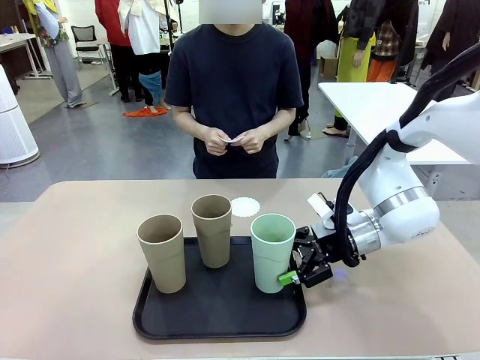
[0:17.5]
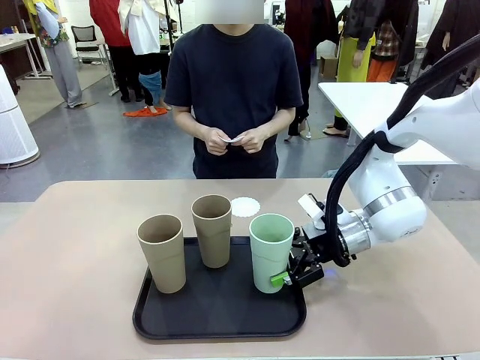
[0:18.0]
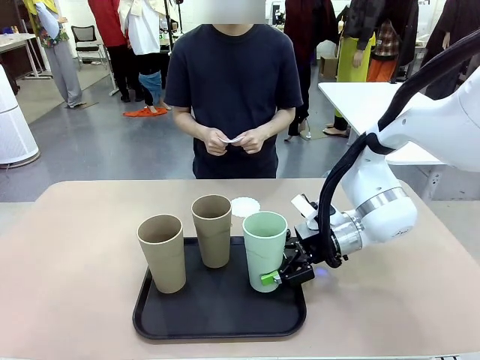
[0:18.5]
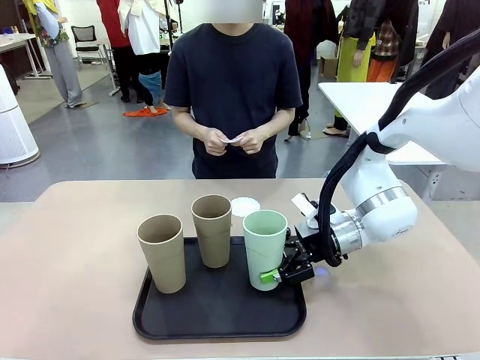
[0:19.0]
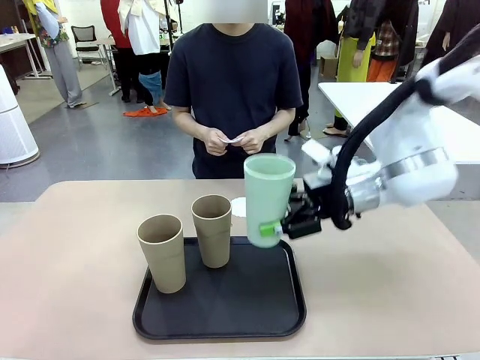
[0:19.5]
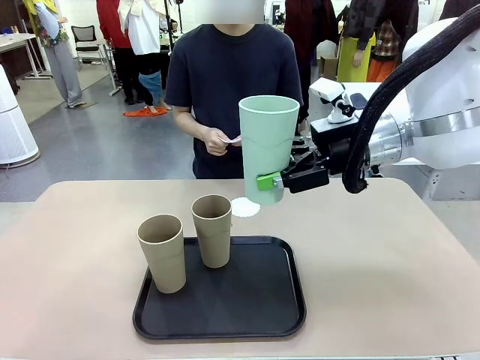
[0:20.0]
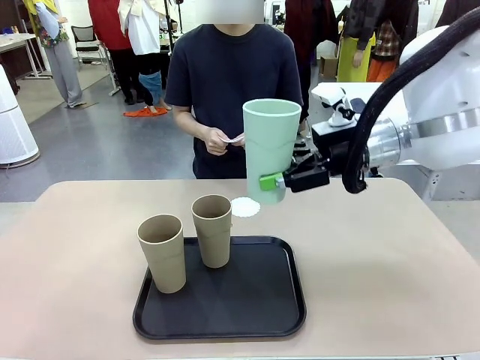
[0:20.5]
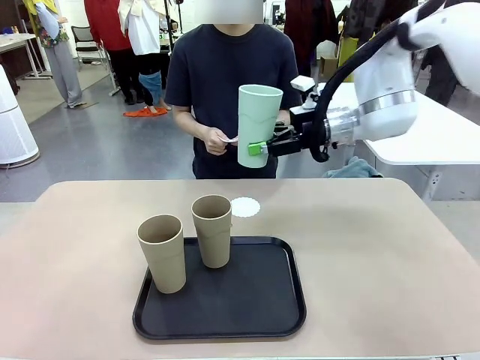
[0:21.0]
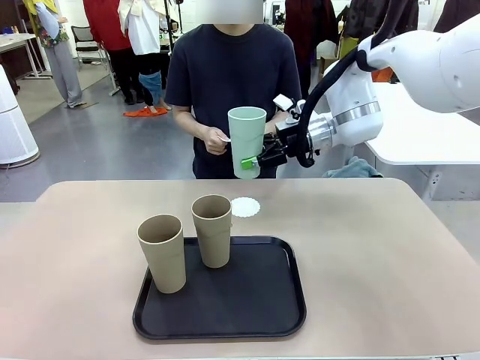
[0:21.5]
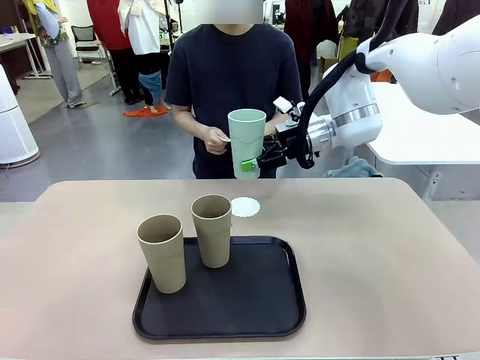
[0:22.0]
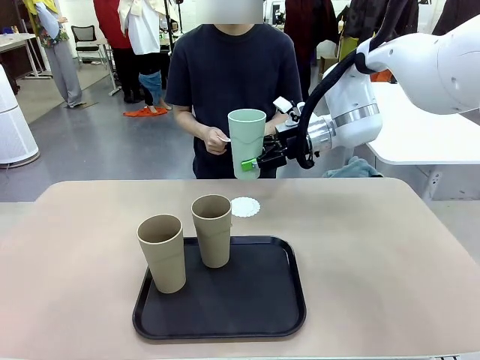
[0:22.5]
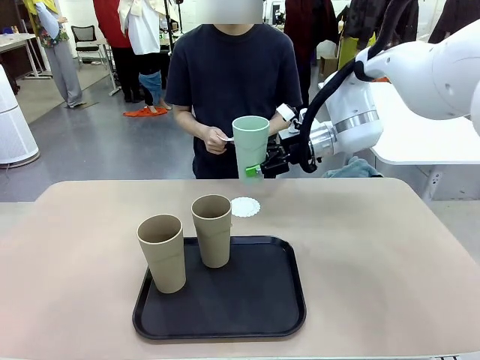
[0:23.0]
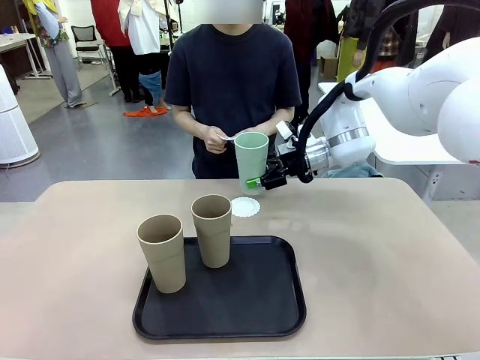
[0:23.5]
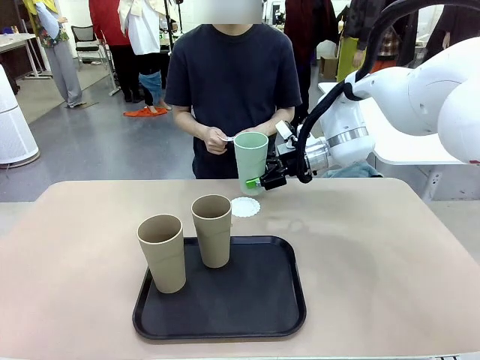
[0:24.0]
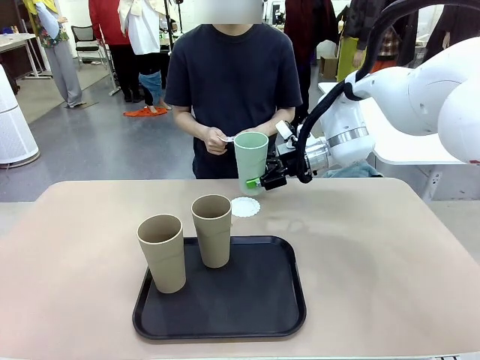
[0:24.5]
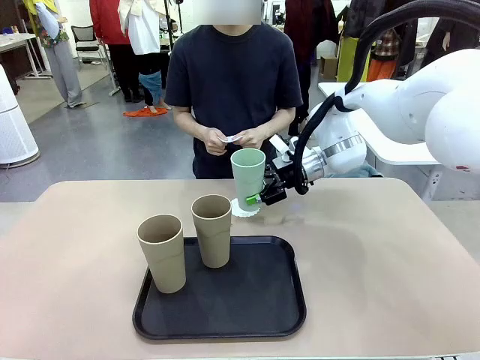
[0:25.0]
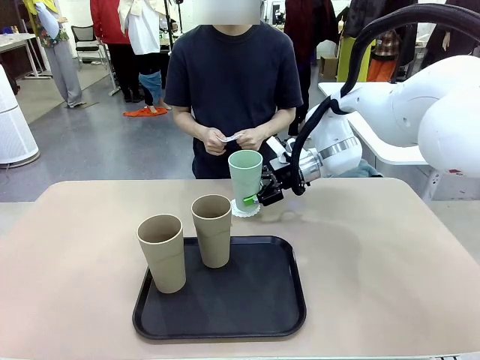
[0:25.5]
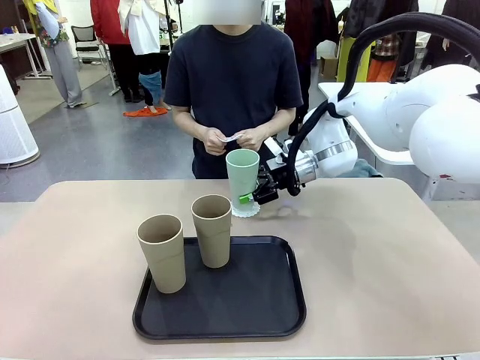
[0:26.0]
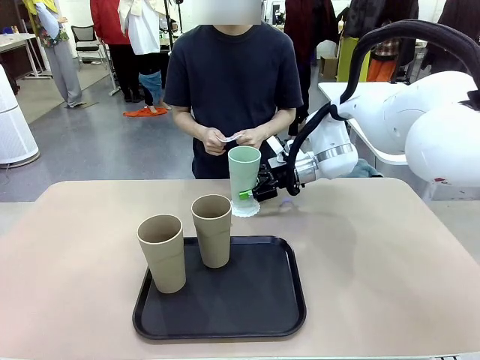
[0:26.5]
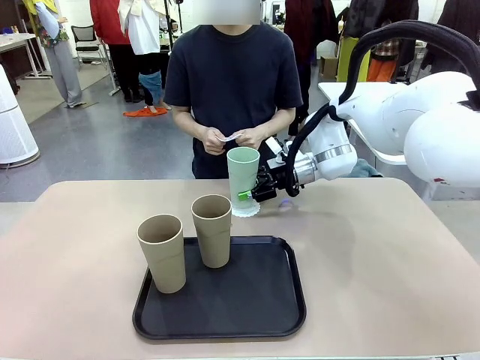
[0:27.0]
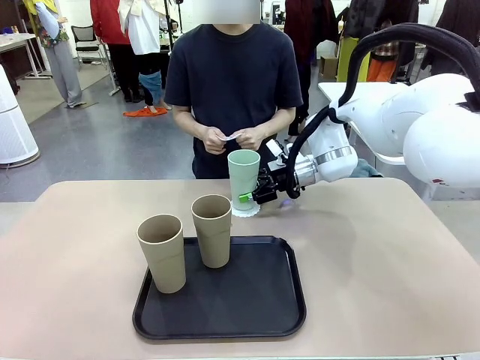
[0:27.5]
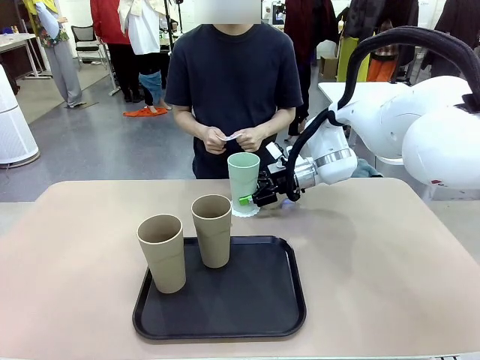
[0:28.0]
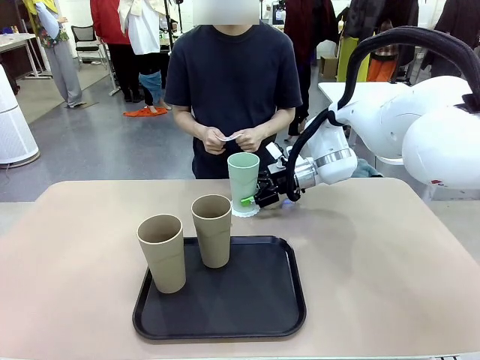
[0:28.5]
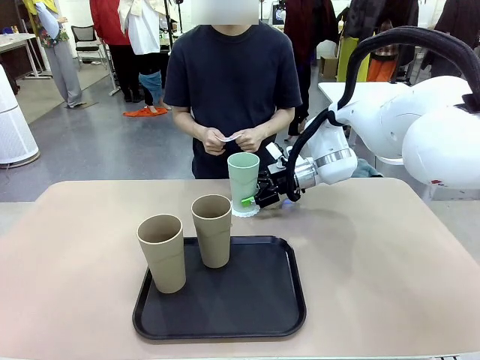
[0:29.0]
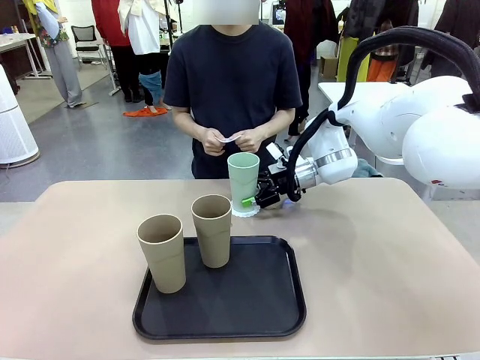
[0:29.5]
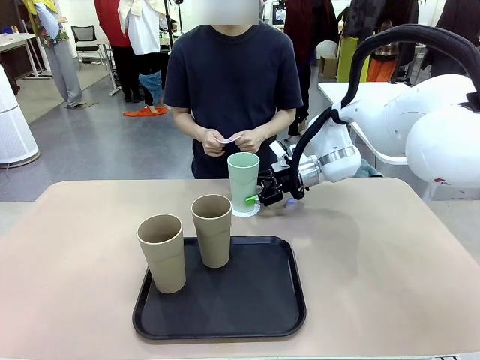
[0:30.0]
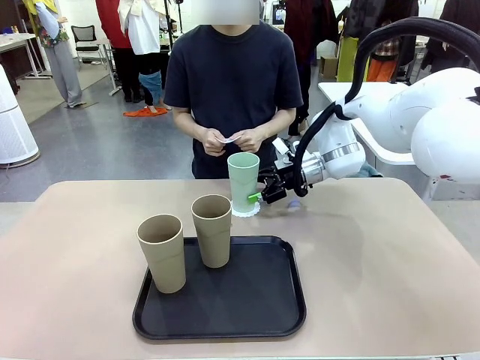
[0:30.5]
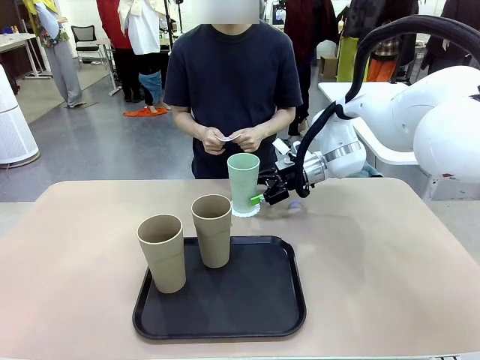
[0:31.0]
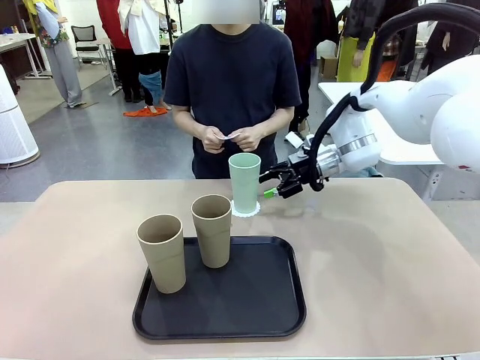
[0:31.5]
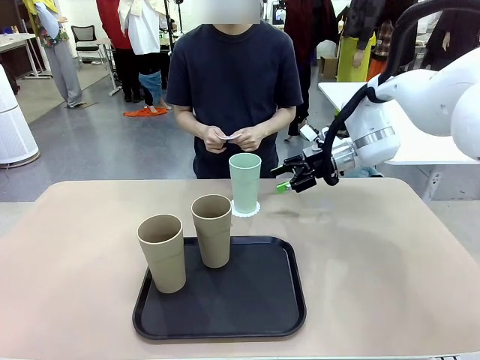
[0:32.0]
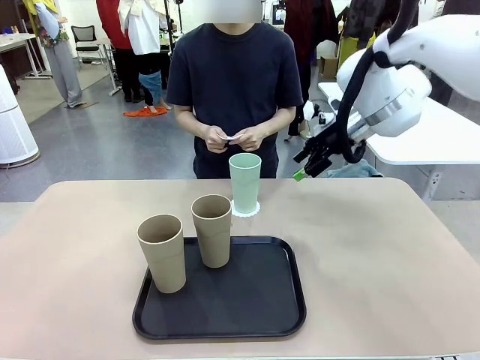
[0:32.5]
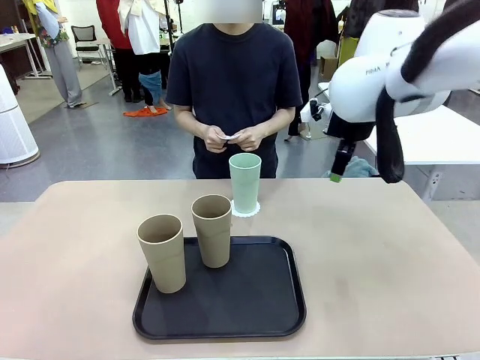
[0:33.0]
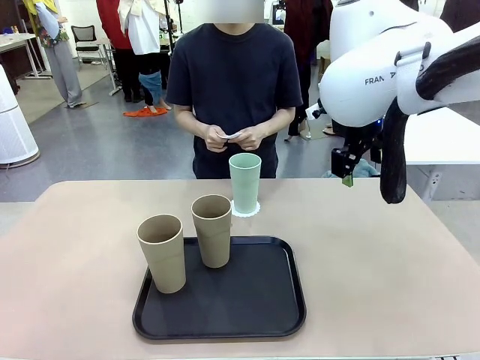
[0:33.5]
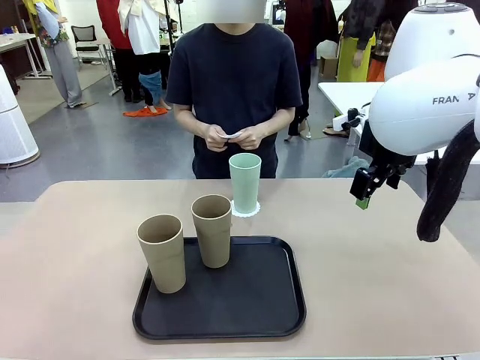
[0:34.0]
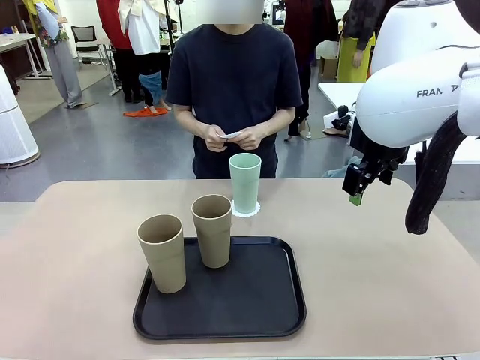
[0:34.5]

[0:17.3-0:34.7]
Task: Place coasters on the table and set cups on them.
Robot: Pick up one Reusable plastic cup and place it on a coaster set by the human.
Person: Place one coaster in one of the two areas excluding the previously selected area.
